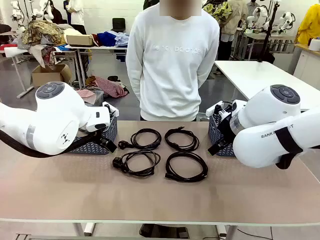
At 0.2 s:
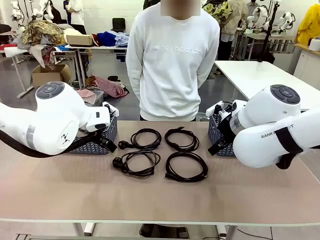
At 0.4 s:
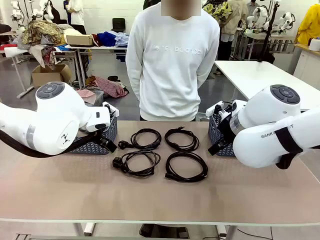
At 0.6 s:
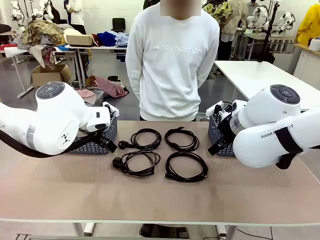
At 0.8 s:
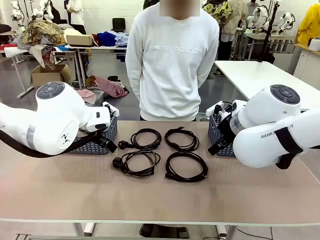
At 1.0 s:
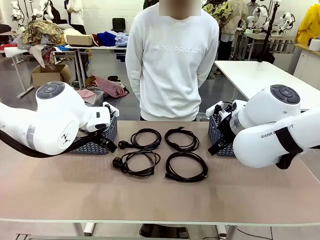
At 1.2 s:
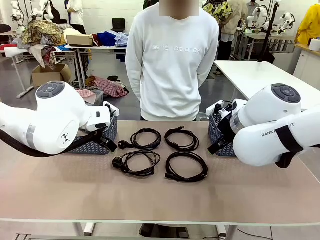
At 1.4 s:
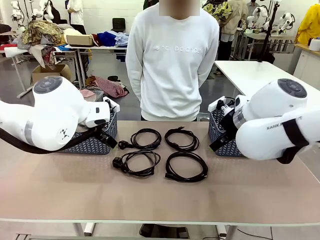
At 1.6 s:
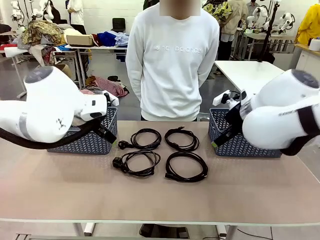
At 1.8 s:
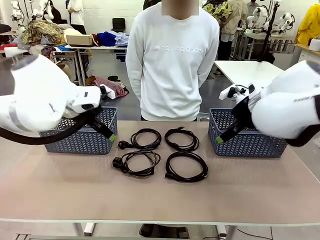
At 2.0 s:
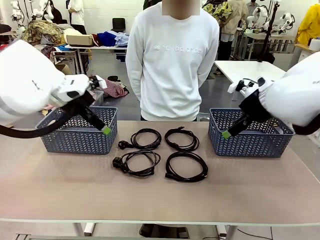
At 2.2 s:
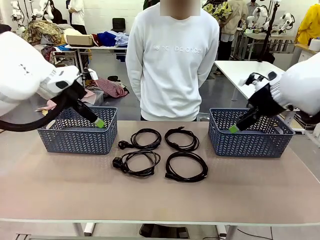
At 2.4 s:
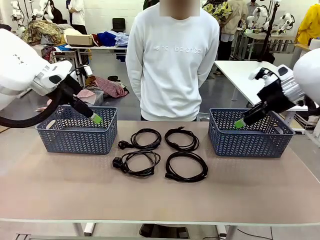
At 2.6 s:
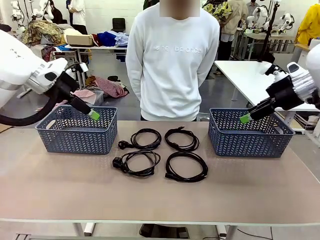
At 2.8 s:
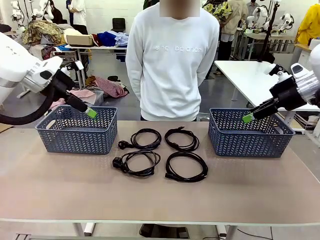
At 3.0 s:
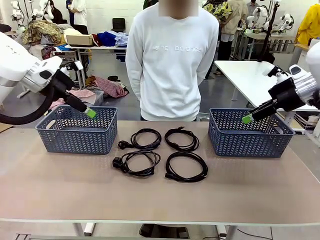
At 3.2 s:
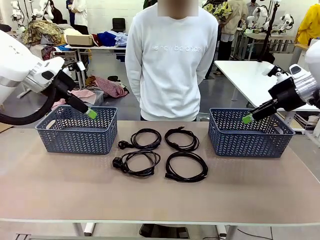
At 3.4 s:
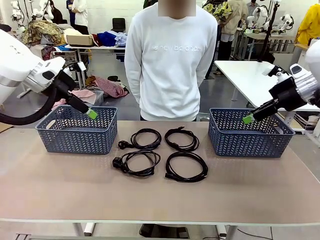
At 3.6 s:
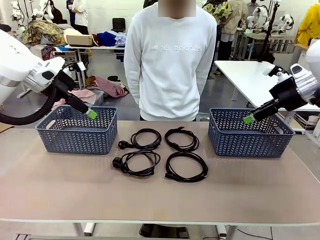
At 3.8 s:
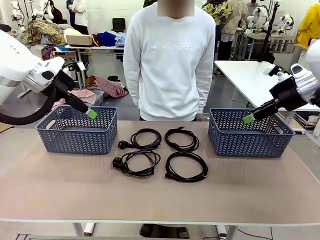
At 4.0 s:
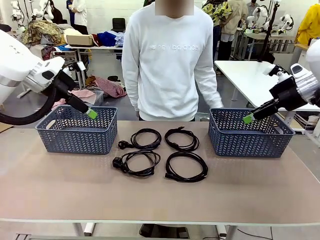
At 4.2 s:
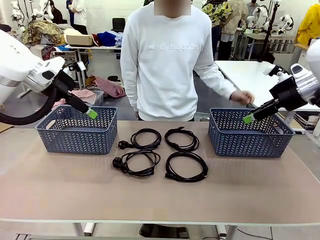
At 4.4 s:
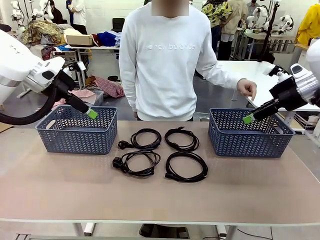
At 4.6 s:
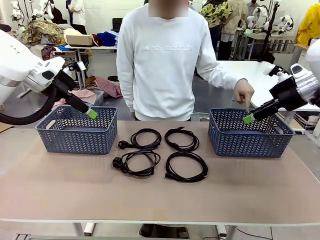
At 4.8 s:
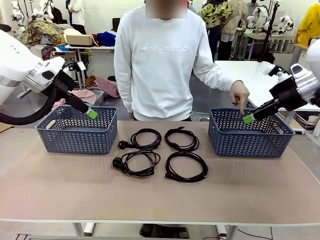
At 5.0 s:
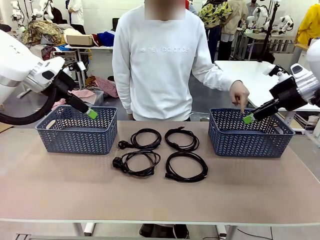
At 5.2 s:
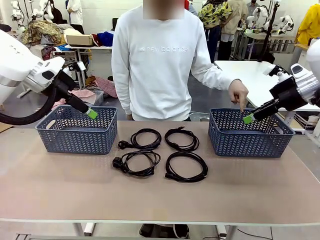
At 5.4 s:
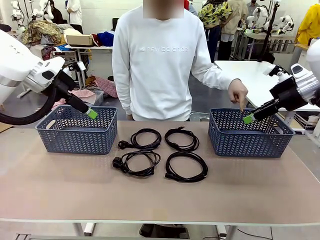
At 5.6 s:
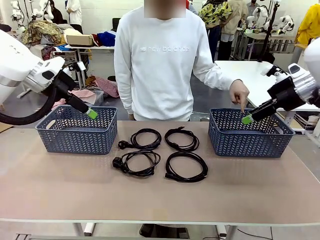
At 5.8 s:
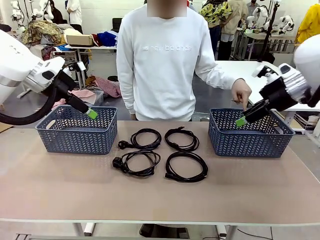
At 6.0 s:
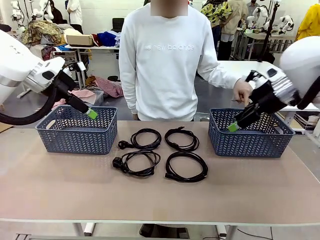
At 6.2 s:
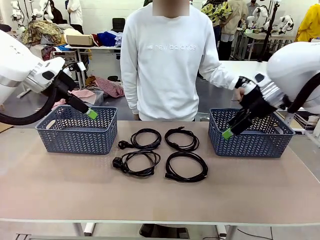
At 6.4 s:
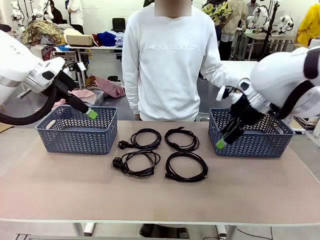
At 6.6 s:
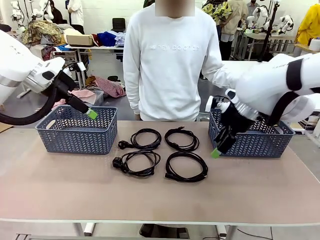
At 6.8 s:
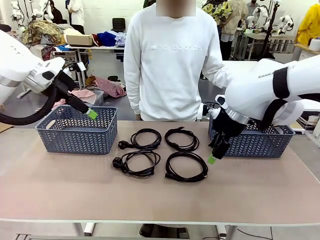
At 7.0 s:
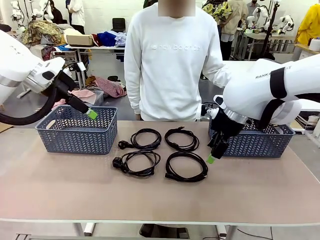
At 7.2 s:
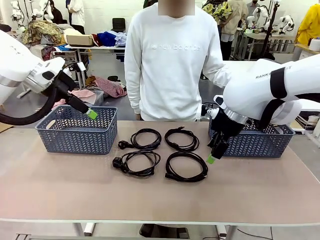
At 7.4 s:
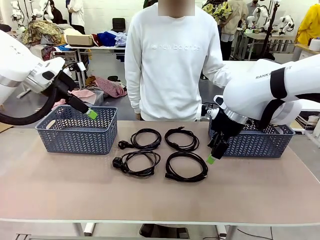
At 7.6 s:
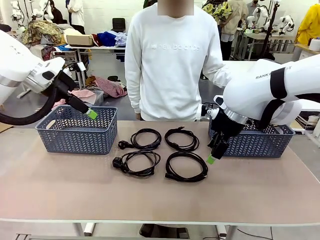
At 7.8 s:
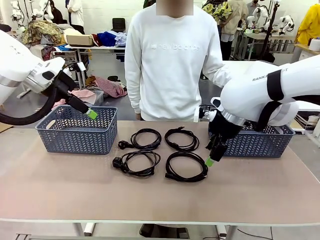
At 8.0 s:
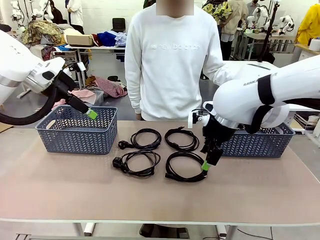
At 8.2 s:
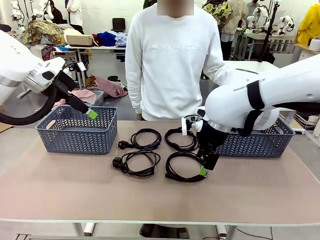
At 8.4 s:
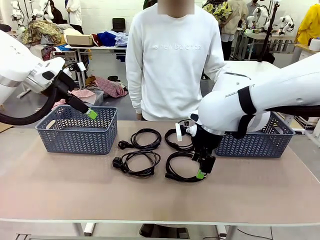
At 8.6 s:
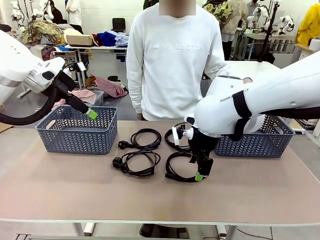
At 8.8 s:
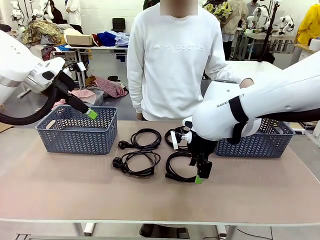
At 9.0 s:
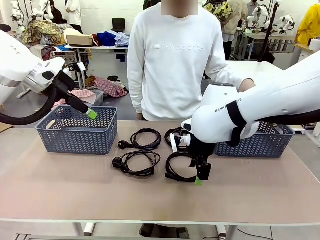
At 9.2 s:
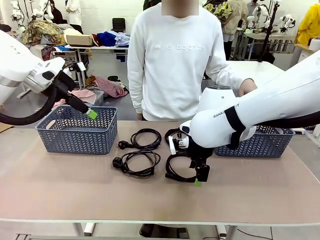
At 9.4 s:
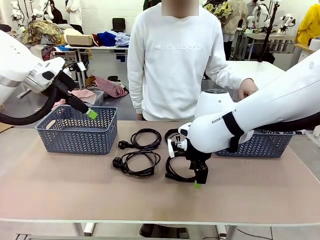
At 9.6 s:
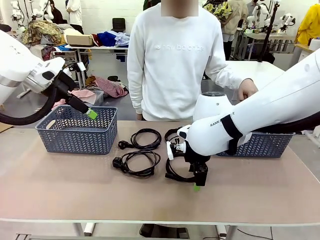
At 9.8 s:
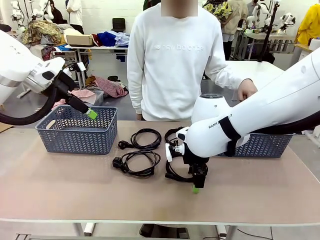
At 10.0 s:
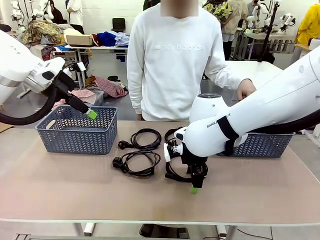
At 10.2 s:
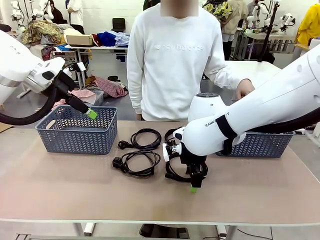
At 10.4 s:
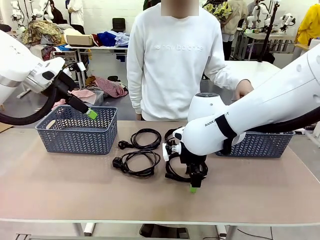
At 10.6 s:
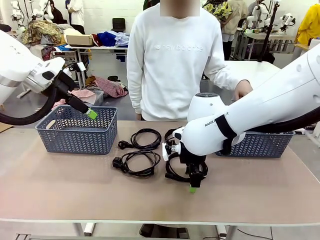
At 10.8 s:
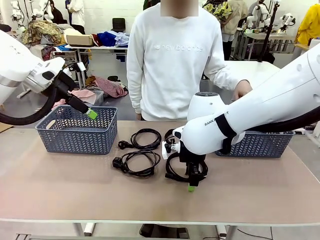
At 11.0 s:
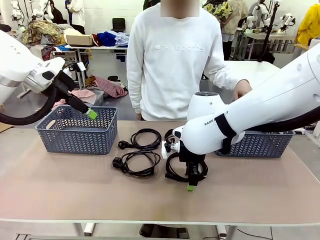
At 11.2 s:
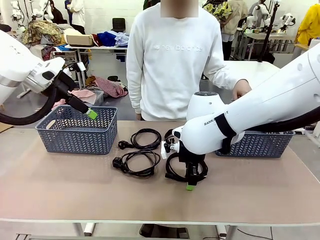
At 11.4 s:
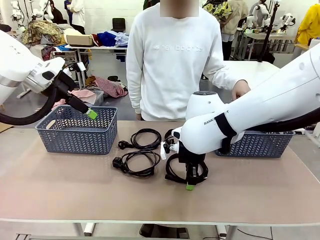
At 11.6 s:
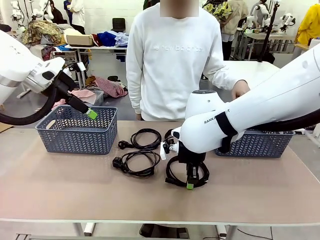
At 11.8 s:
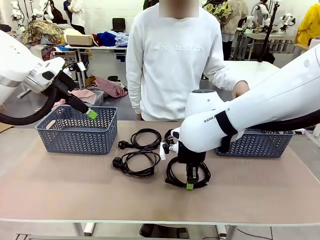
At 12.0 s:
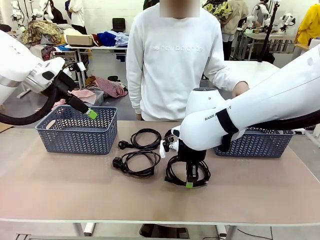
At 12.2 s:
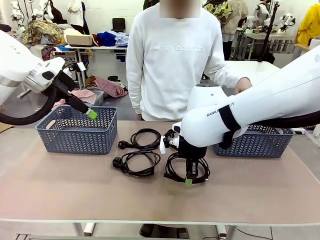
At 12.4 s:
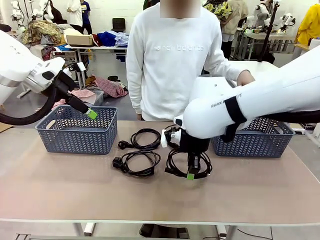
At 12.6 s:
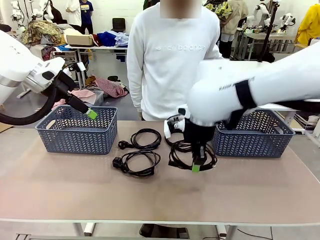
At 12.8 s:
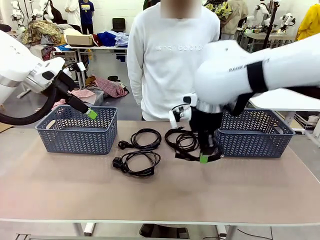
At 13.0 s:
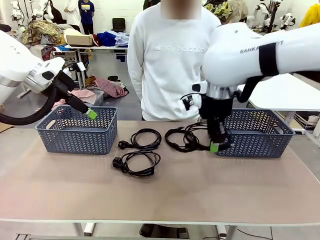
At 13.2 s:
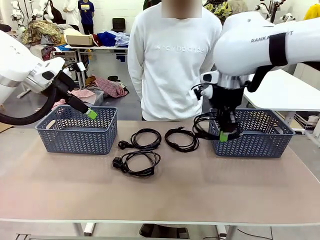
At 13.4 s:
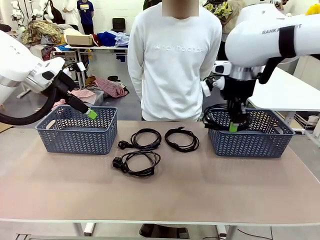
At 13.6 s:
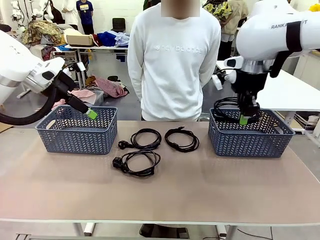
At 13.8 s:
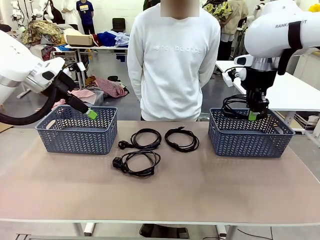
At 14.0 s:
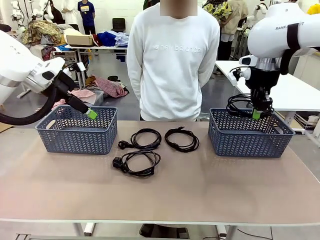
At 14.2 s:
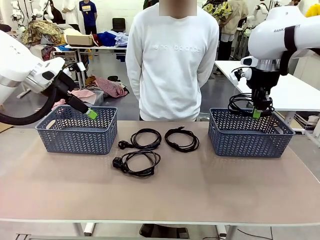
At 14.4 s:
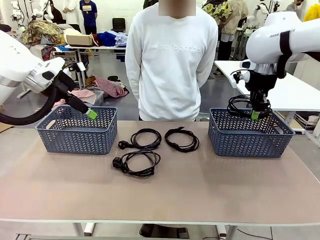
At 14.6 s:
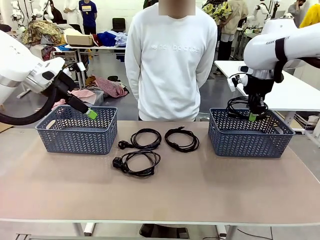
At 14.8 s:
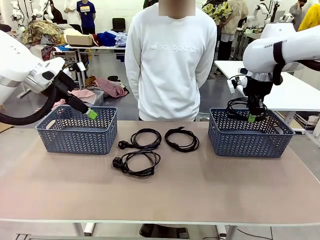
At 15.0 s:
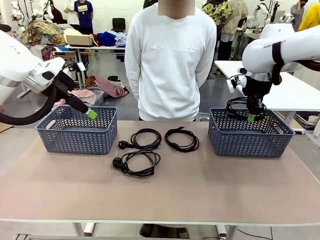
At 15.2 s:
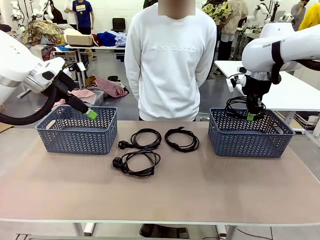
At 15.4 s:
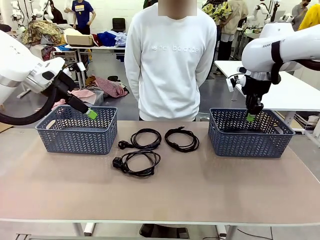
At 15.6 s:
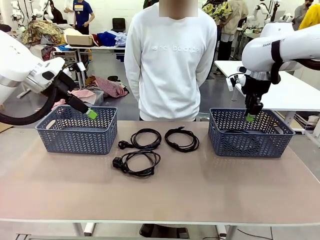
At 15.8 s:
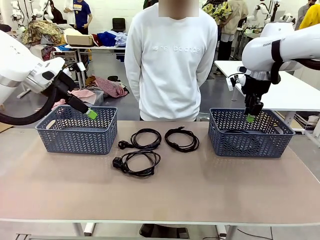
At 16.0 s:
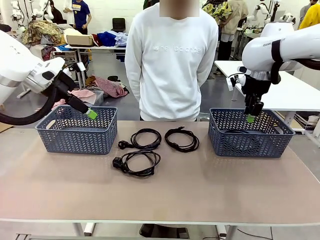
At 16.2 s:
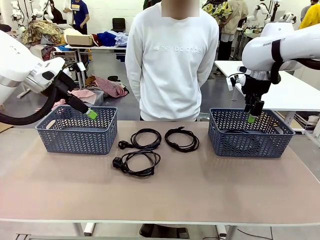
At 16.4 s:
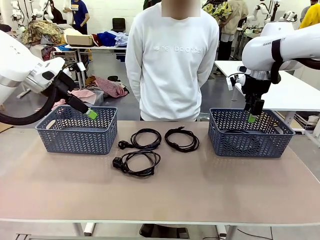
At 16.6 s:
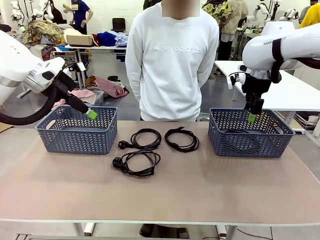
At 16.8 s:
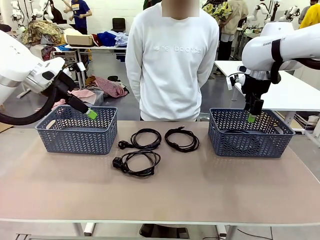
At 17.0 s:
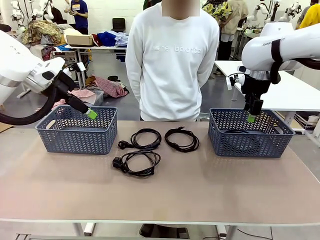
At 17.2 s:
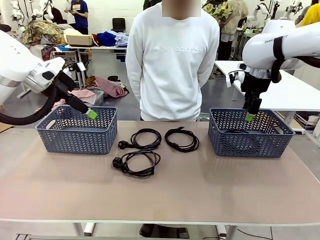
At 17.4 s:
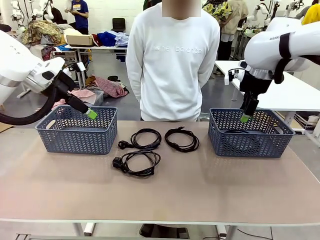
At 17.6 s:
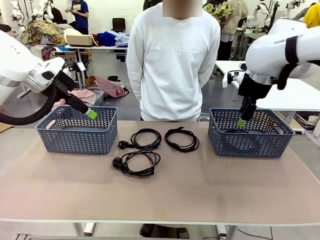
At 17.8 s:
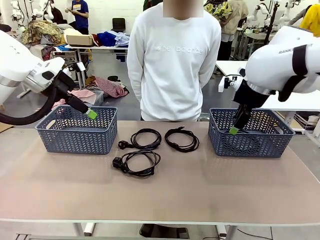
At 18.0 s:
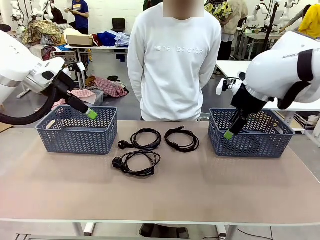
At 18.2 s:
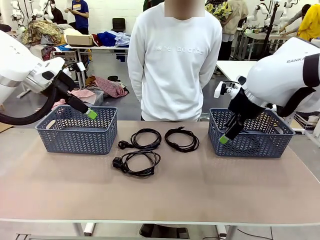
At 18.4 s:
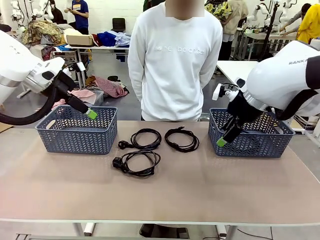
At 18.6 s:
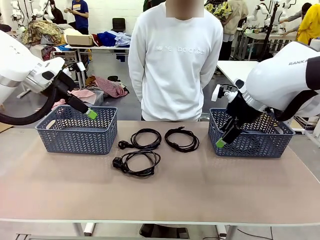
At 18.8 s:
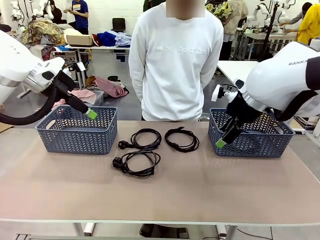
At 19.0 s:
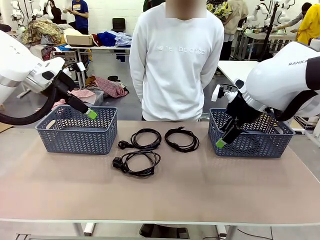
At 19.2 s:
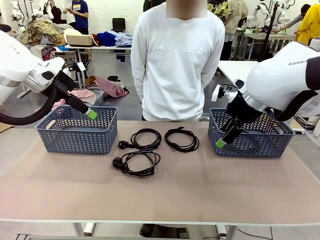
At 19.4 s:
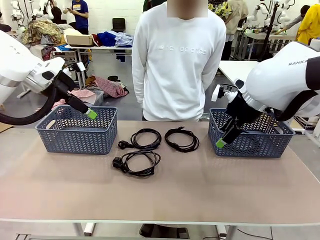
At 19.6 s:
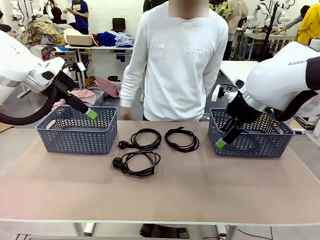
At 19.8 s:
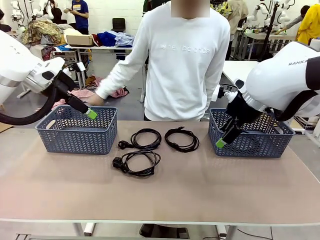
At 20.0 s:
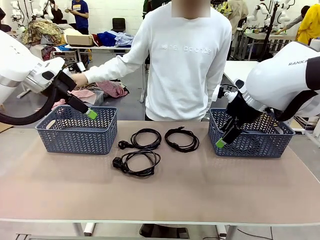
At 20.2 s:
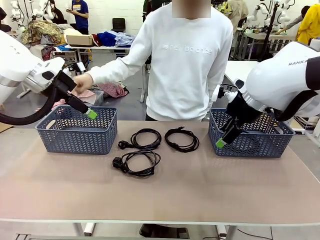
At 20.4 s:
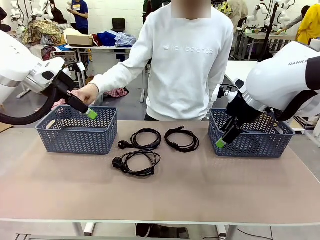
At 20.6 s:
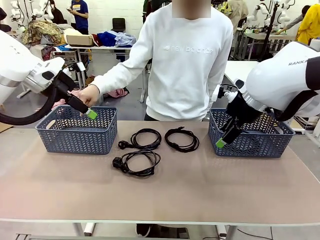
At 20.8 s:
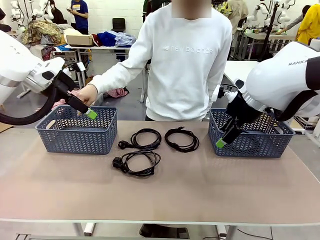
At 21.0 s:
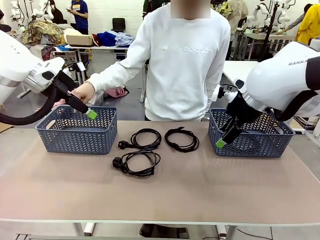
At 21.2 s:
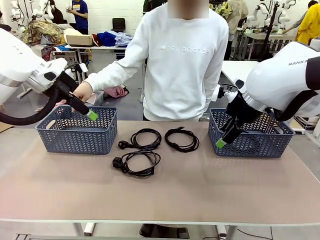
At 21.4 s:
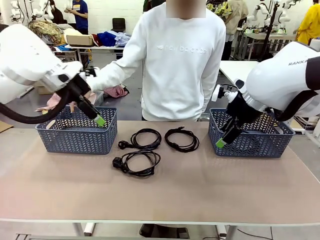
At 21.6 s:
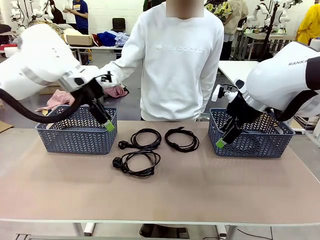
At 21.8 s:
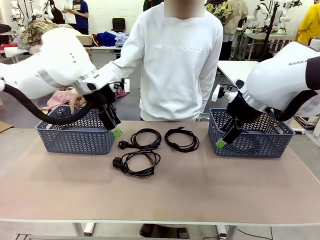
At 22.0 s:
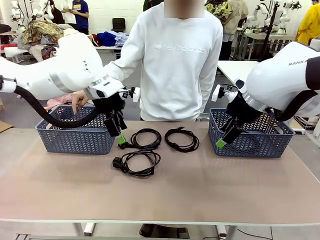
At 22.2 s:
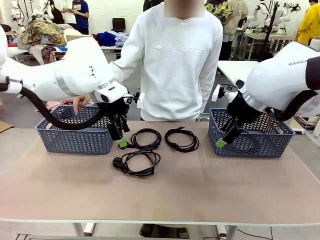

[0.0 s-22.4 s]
Task: Organize the cables according to human instructions.
Robot: Pick up a bundle of cables and place it in the basket indicated by the human.
